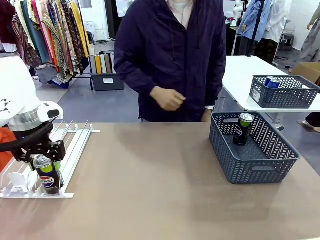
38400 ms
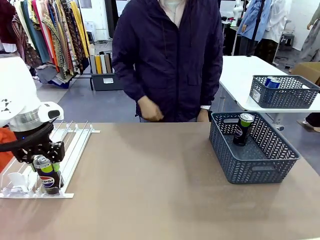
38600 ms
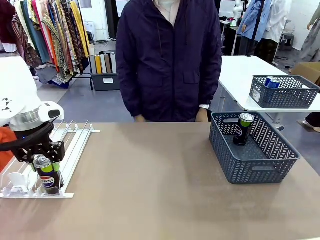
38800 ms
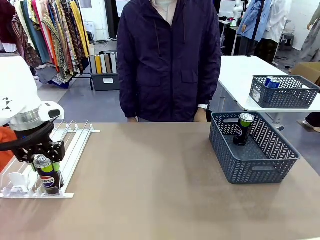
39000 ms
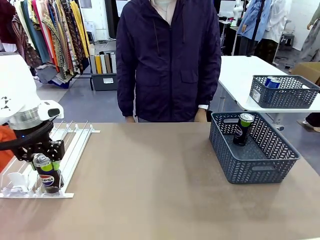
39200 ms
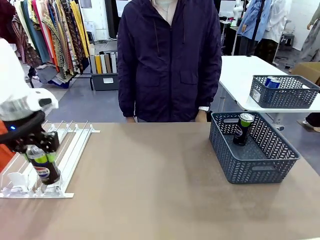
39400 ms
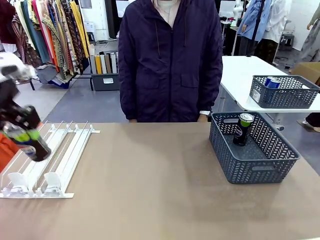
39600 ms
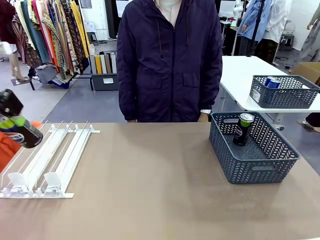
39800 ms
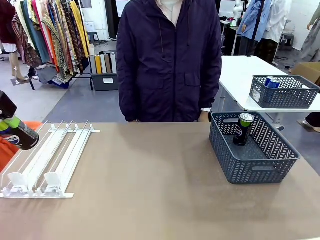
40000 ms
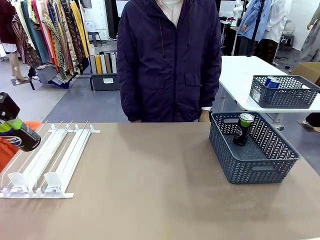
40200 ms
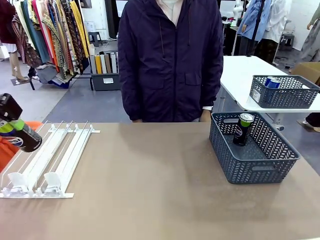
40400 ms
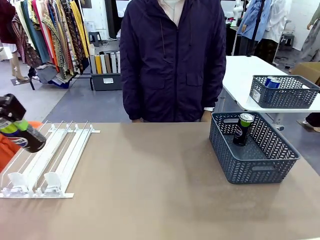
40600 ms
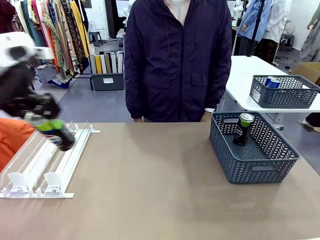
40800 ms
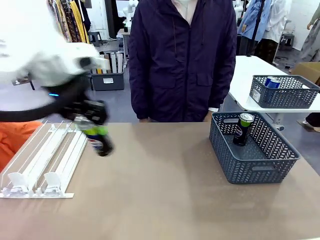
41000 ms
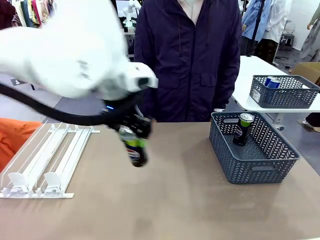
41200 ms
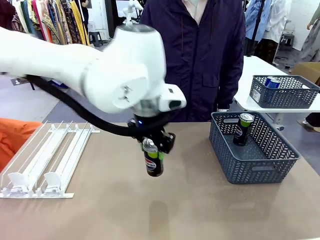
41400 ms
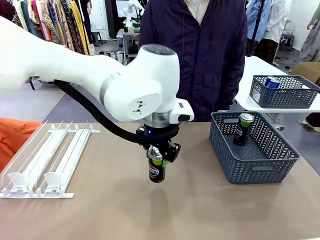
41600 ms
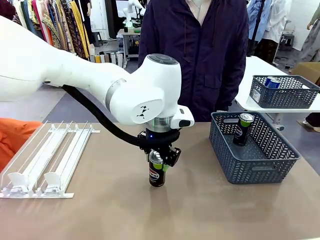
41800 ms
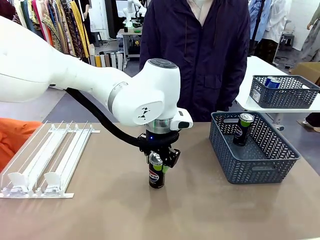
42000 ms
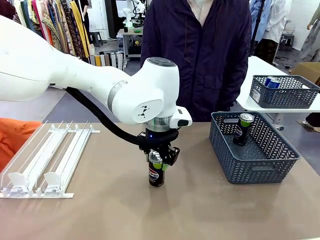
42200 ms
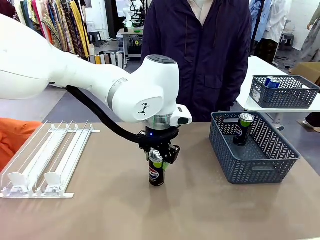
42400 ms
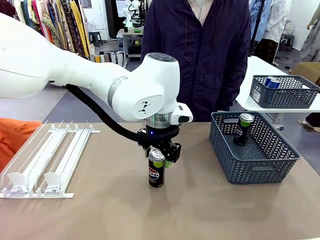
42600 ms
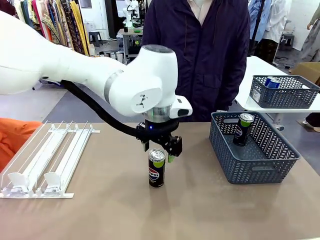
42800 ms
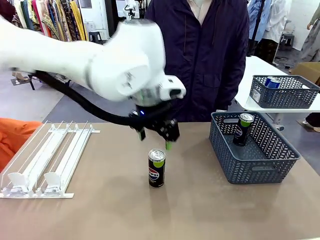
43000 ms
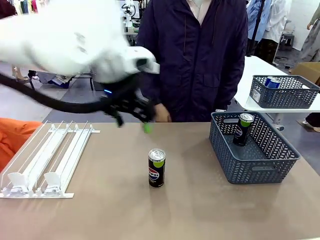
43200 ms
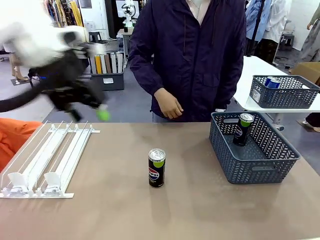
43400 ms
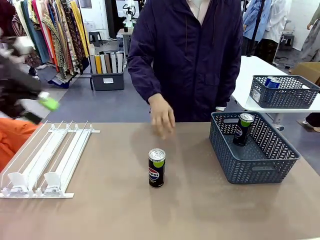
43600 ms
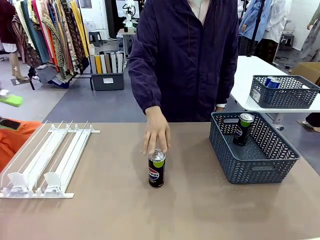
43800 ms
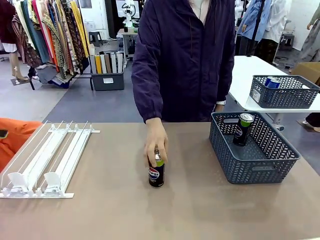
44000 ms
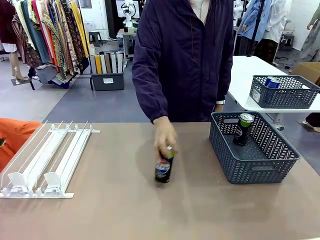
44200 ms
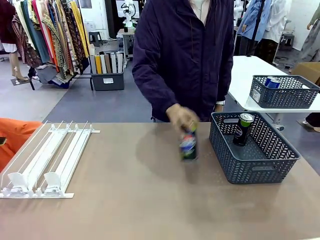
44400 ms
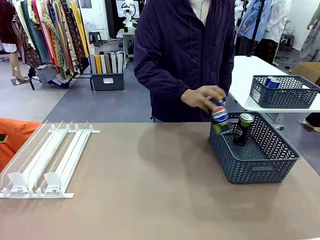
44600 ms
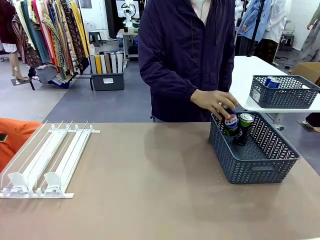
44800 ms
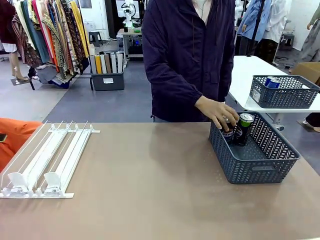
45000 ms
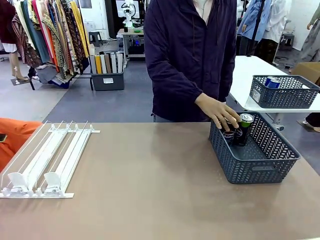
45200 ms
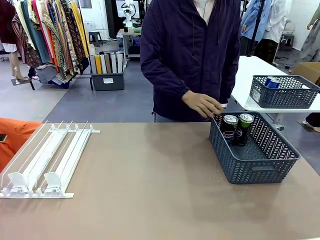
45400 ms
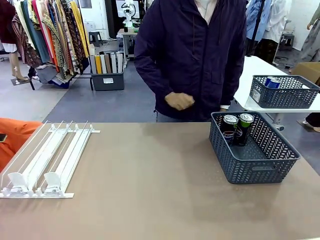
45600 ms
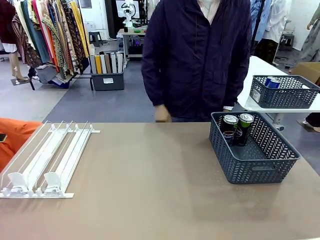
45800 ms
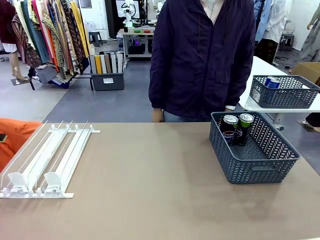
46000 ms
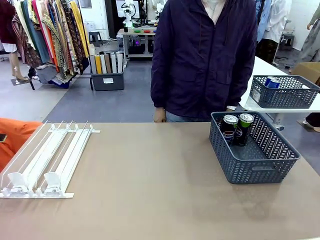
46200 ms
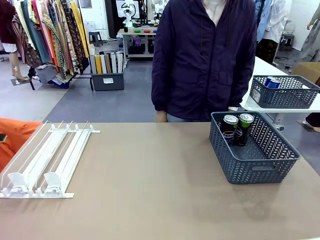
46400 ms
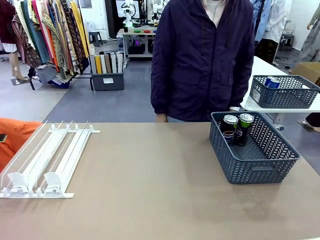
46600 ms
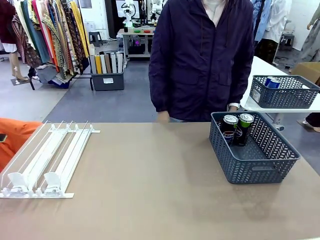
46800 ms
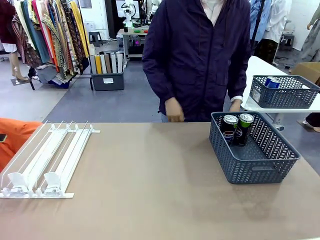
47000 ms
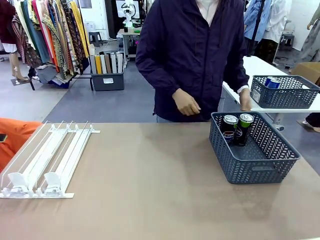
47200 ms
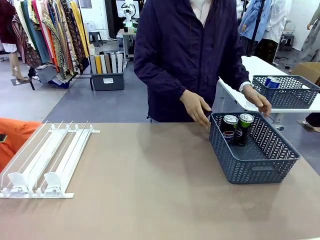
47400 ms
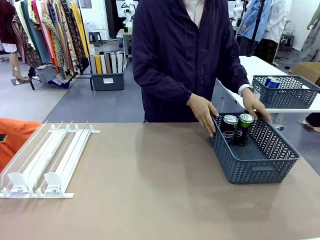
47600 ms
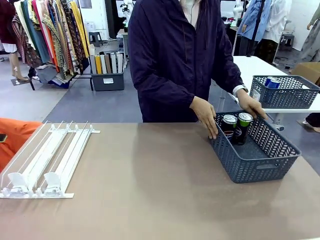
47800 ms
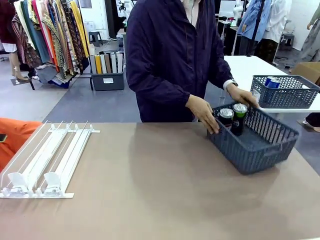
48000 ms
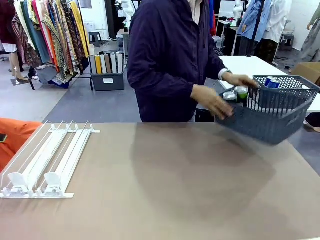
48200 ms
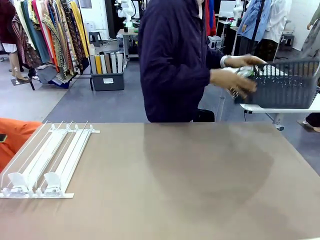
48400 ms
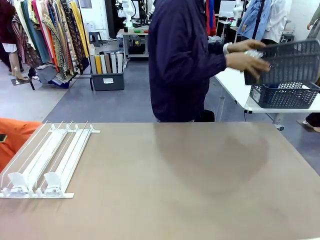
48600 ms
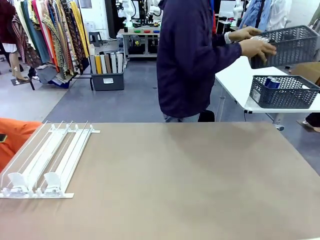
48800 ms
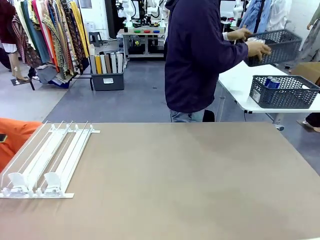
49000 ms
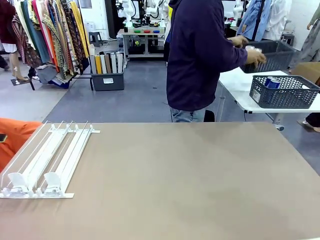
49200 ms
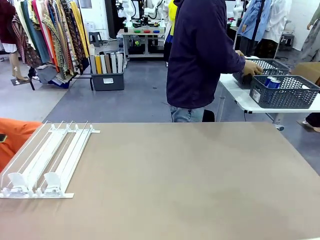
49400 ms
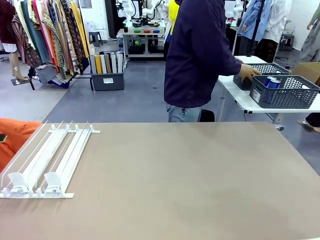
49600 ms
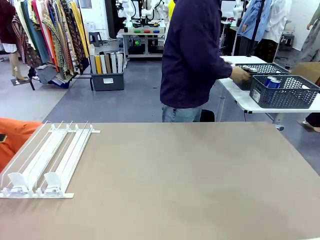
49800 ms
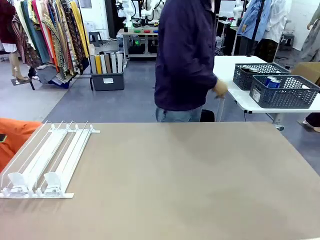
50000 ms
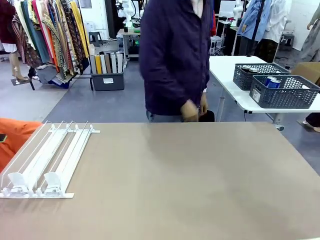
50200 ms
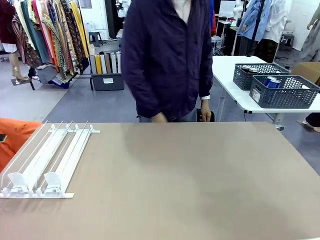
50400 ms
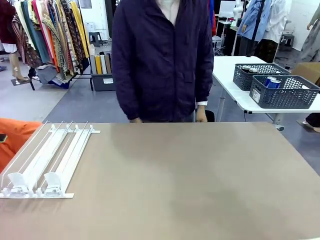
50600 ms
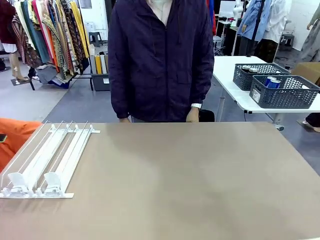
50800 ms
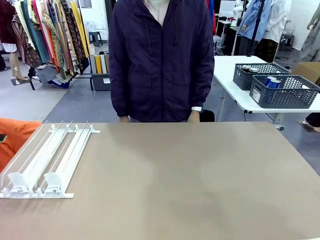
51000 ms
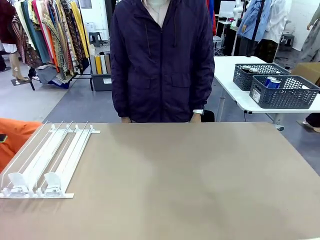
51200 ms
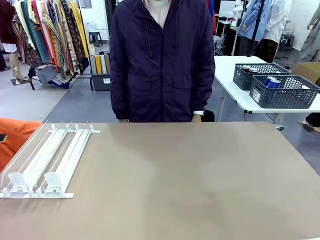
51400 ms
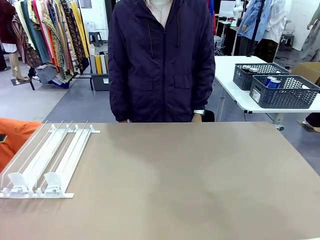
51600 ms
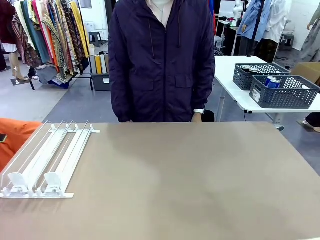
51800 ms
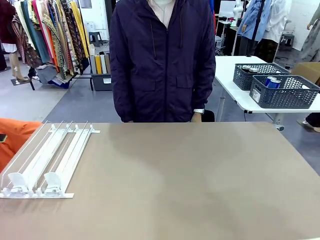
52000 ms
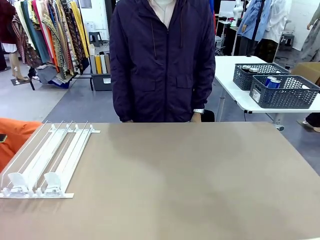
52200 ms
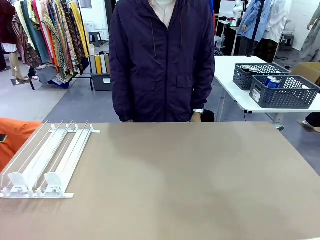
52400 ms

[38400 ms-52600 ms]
Task: Retrieve and store the cans from the dispenser.
Robot: Pick up one can from the Automatic Can Dispenser and place it in the middle of the table.
Person: Pick up one sports drink can from the middle of the robot table and place it in the basket. Pick up the basket and place it in the middle of the human table.

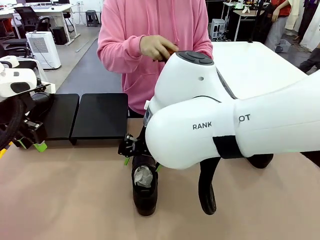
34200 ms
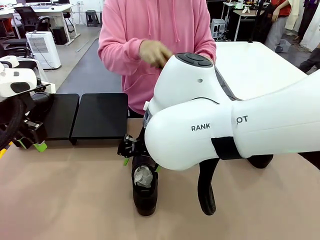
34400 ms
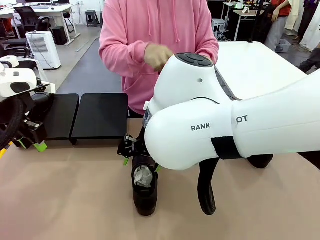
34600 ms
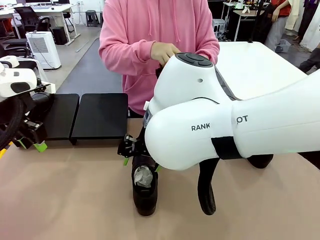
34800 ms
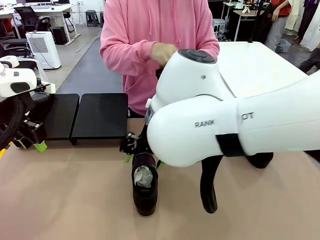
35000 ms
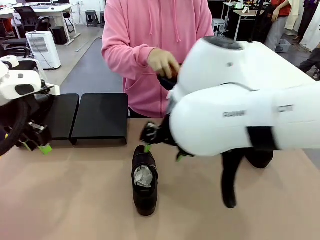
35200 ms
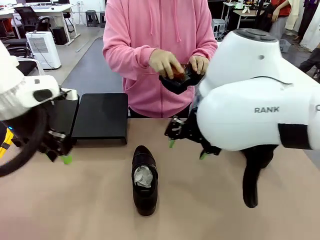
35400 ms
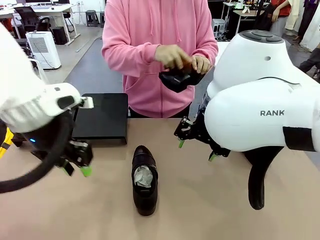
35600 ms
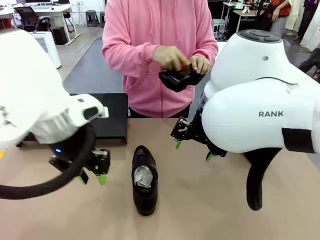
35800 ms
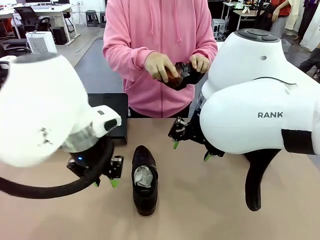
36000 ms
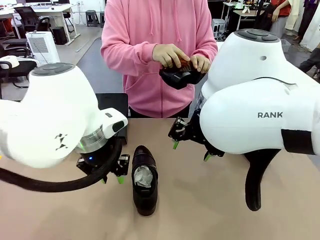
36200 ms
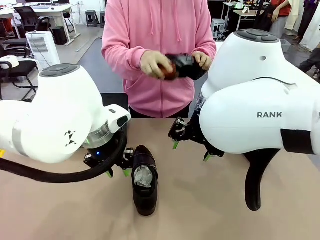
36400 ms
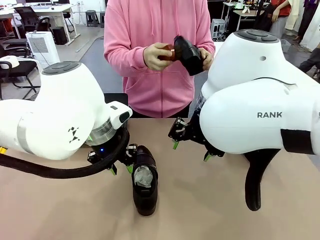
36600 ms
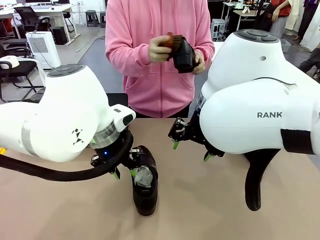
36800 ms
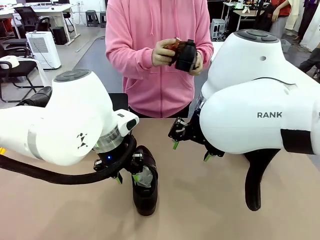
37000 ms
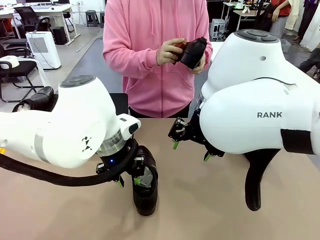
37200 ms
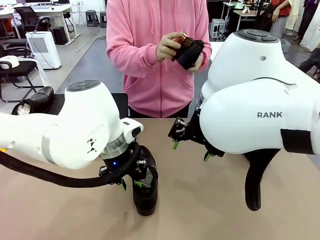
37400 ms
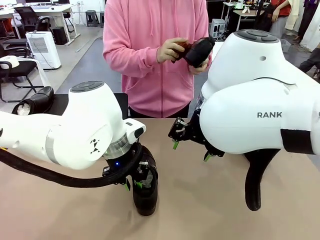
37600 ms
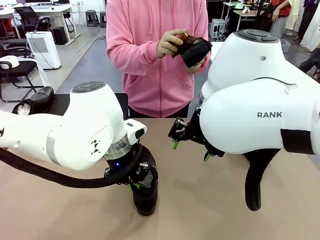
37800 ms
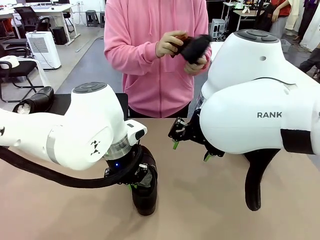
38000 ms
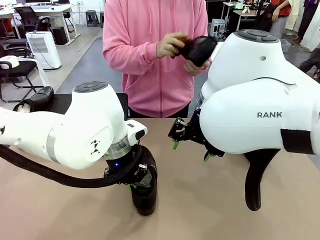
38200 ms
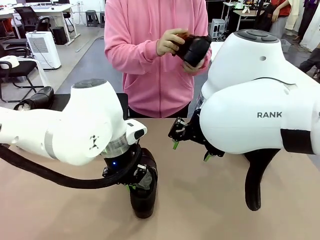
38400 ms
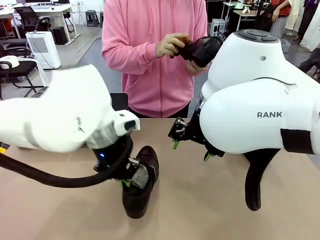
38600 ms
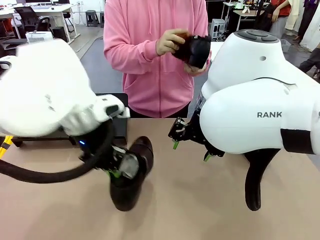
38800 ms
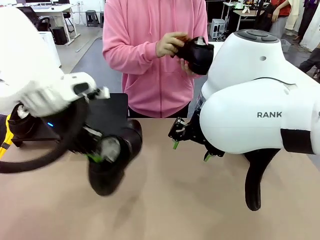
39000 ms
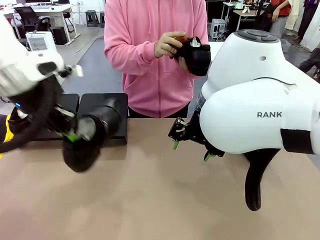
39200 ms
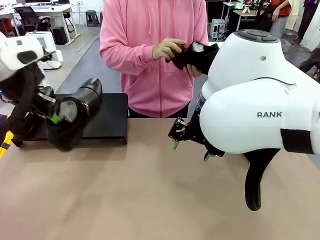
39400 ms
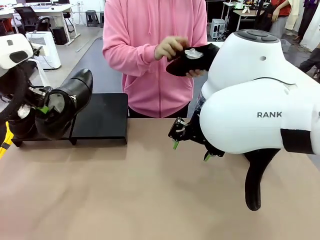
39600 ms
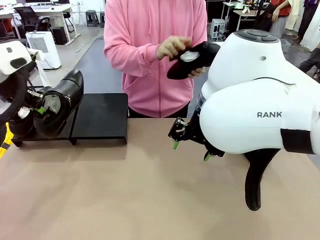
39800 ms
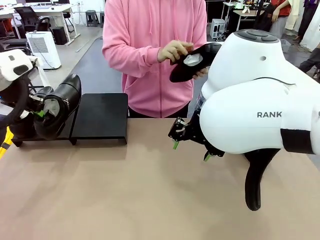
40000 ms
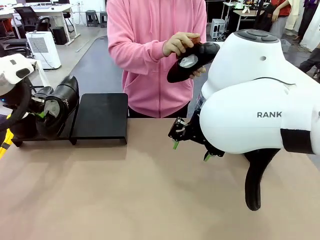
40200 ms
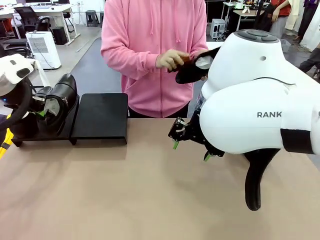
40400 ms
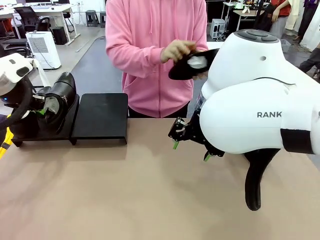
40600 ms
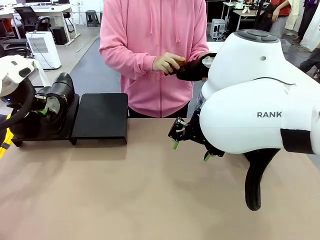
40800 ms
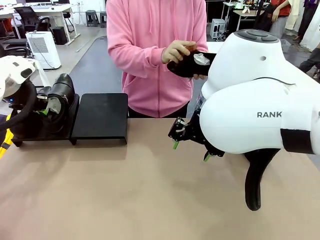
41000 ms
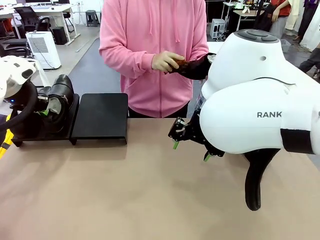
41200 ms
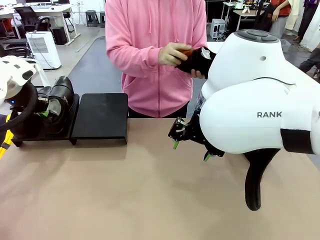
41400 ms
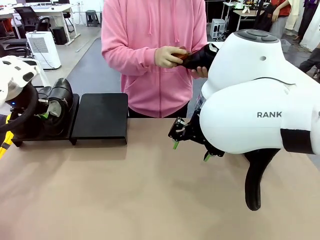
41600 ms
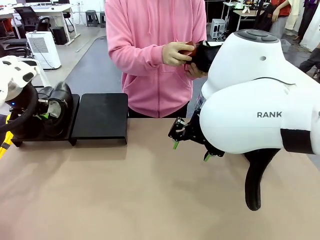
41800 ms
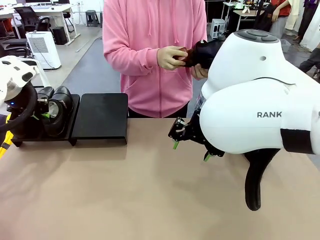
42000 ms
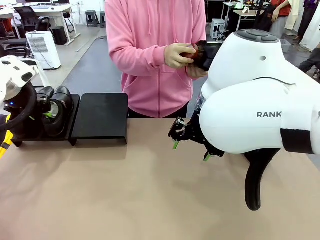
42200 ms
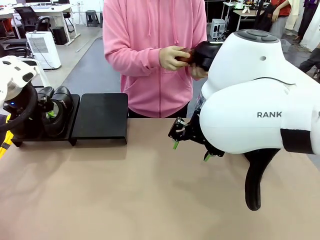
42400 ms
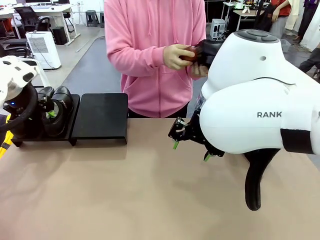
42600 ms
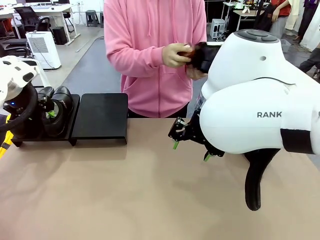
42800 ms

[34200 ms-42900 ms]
Task: Organize the shoes by placing them on the stand.
Robot: Place the Shoe from the middle of the table onto the Shoes Stand.
